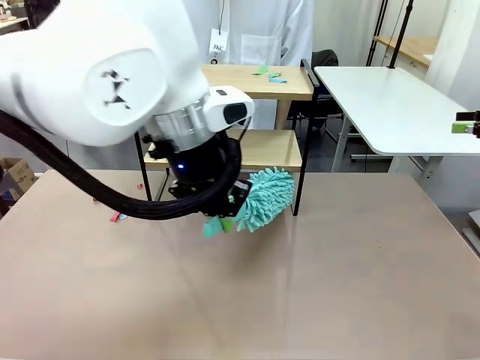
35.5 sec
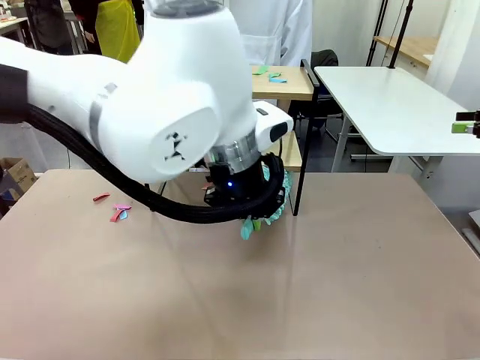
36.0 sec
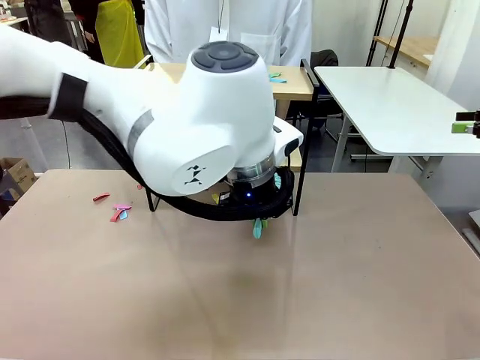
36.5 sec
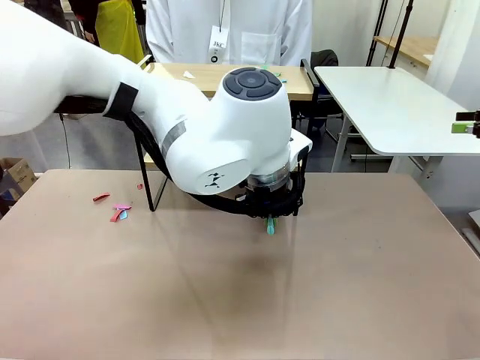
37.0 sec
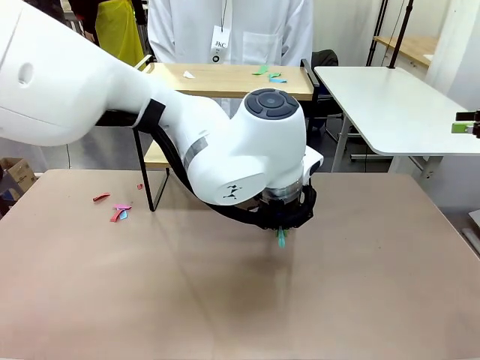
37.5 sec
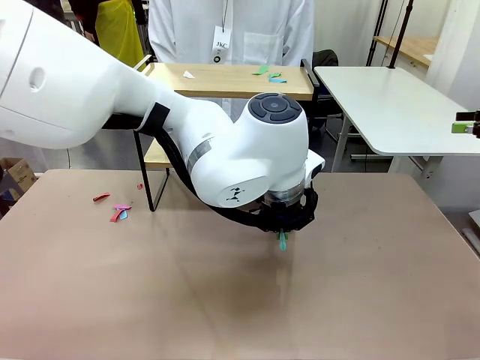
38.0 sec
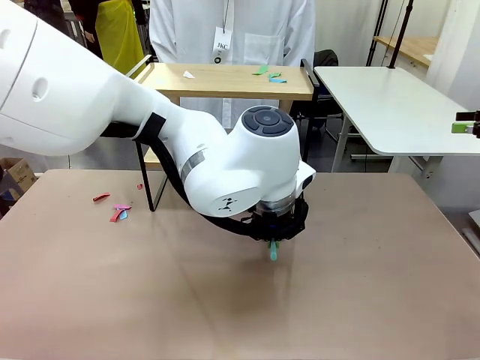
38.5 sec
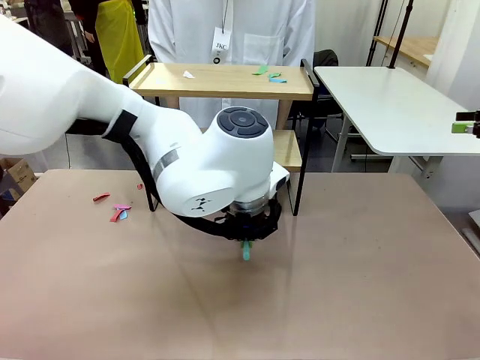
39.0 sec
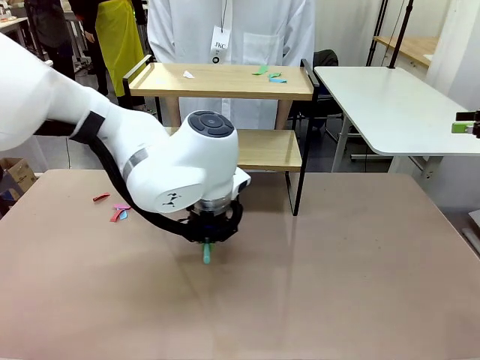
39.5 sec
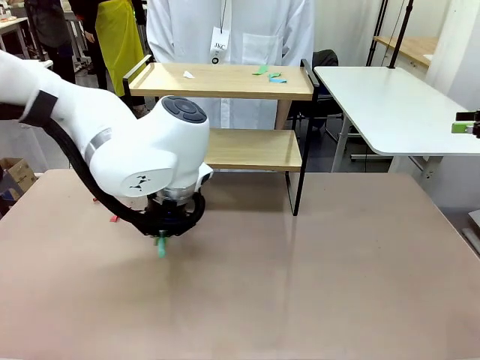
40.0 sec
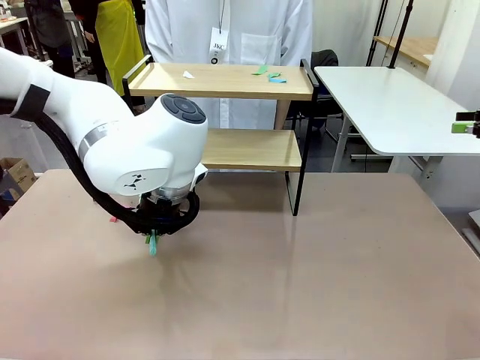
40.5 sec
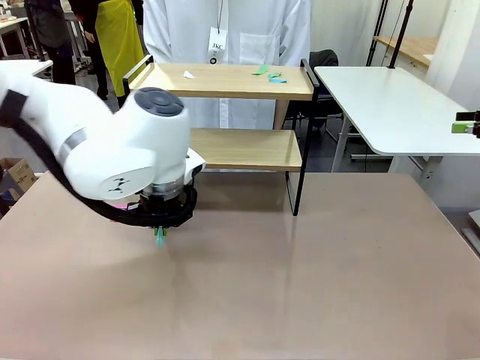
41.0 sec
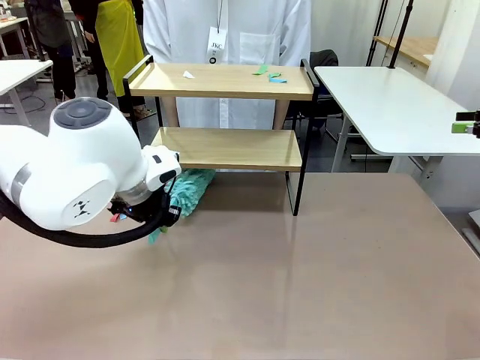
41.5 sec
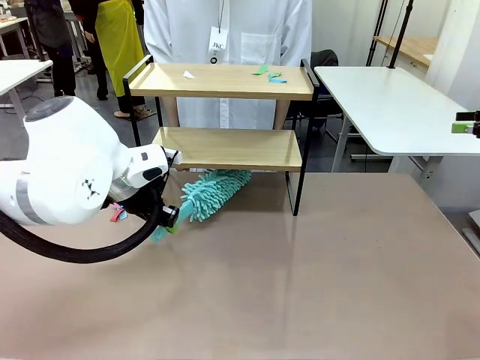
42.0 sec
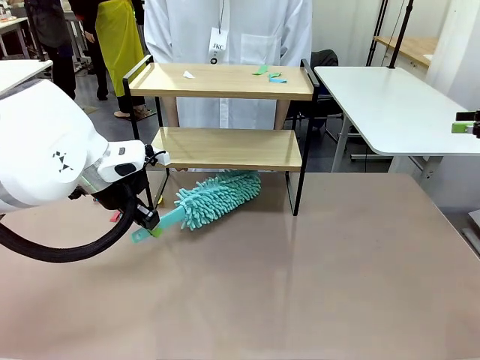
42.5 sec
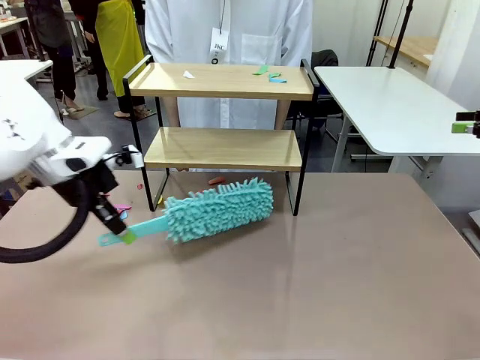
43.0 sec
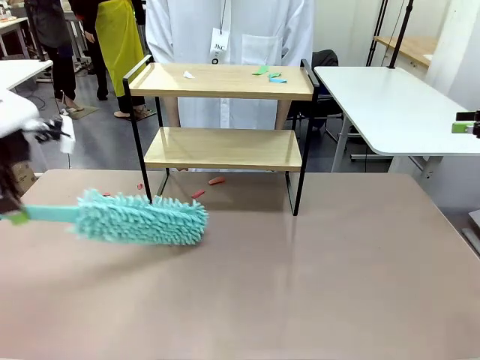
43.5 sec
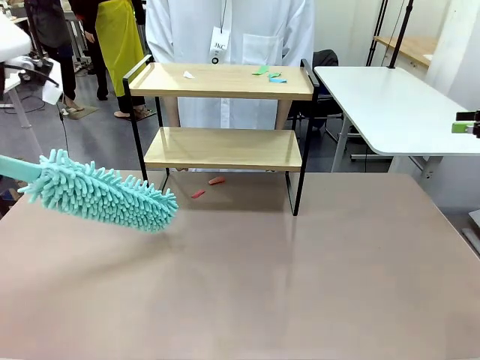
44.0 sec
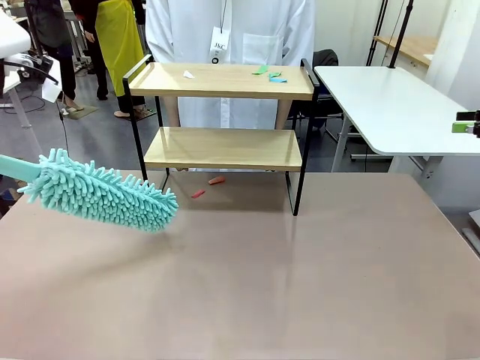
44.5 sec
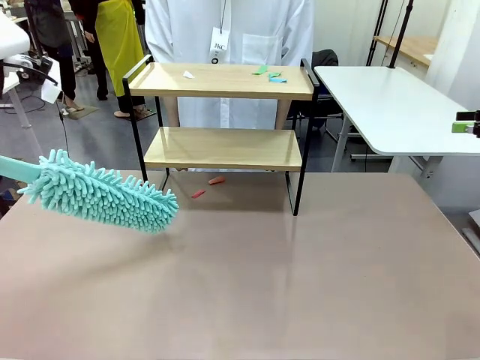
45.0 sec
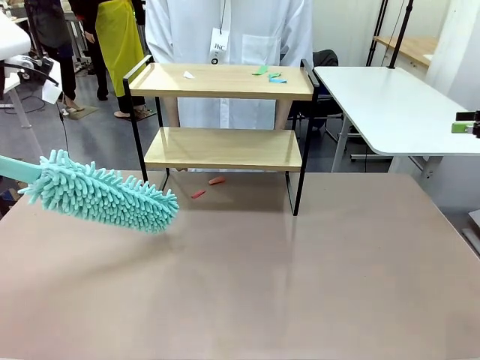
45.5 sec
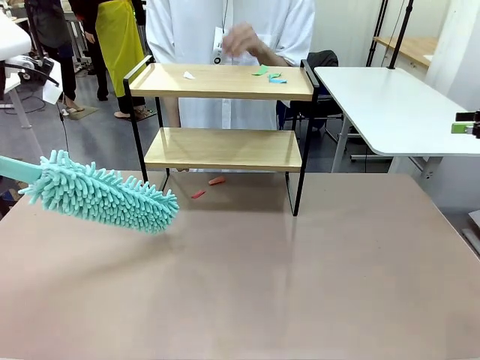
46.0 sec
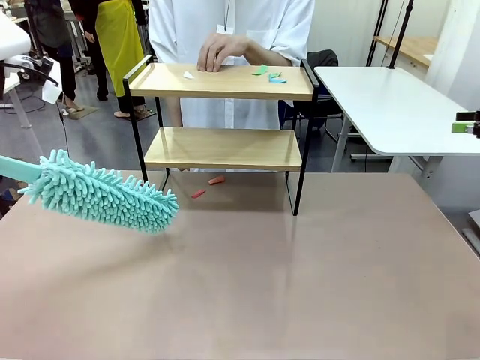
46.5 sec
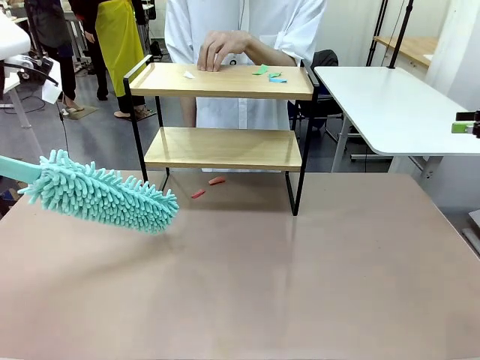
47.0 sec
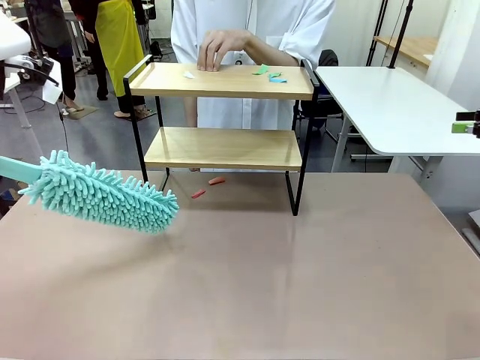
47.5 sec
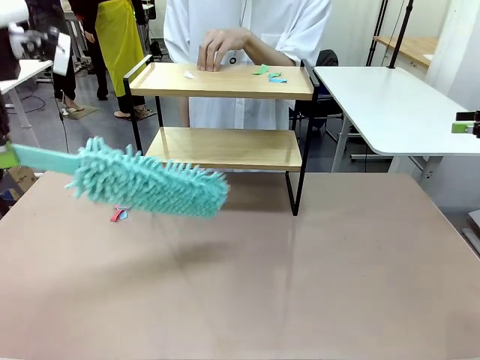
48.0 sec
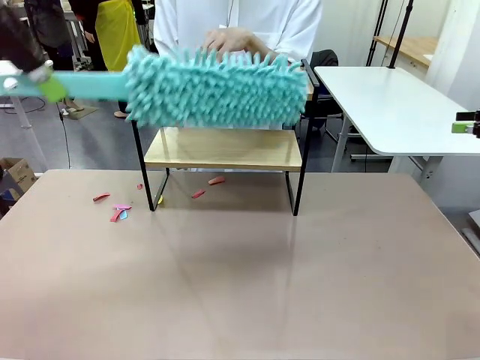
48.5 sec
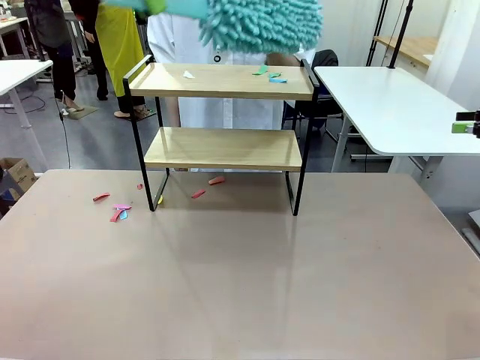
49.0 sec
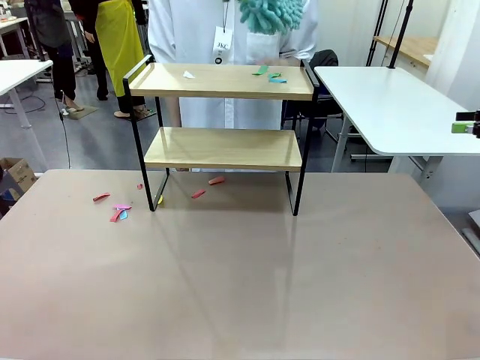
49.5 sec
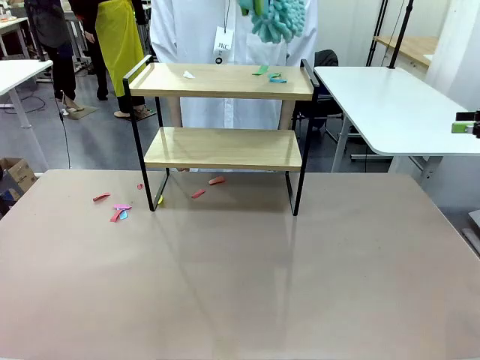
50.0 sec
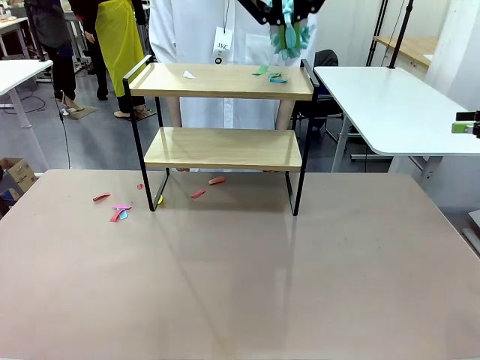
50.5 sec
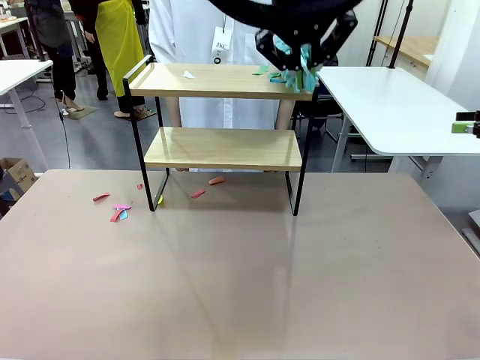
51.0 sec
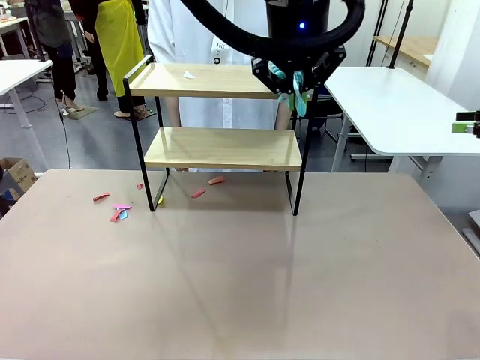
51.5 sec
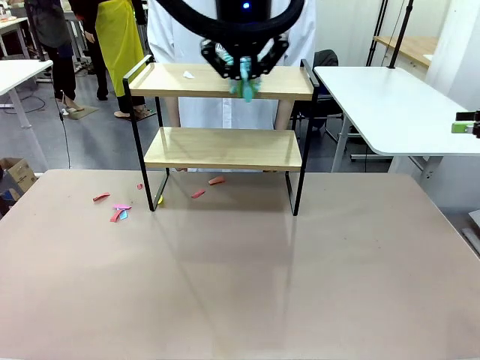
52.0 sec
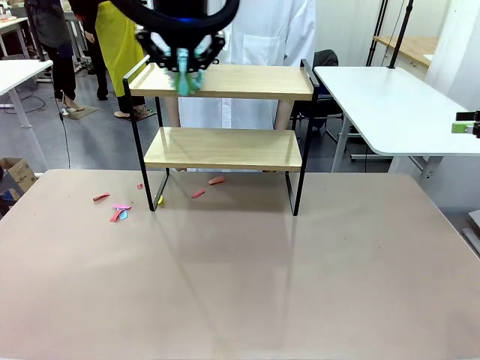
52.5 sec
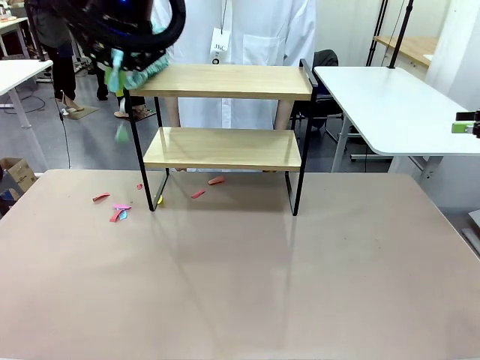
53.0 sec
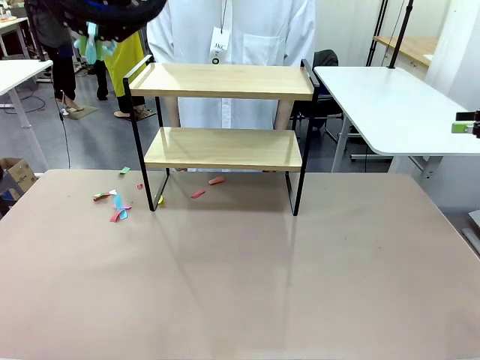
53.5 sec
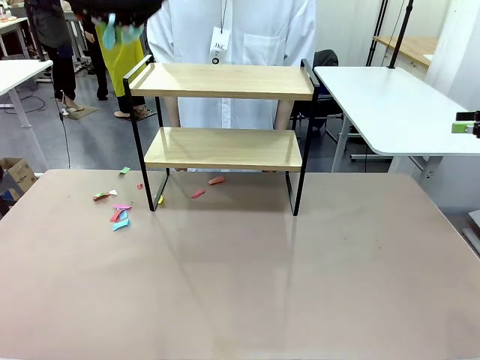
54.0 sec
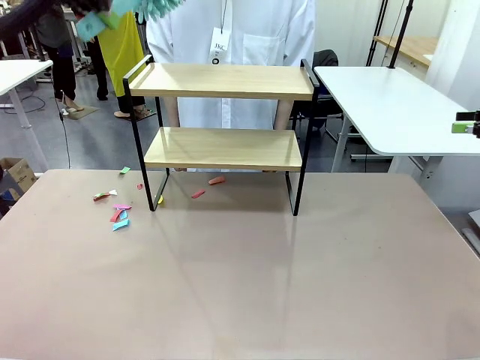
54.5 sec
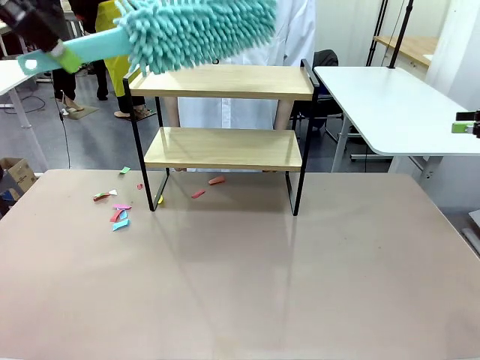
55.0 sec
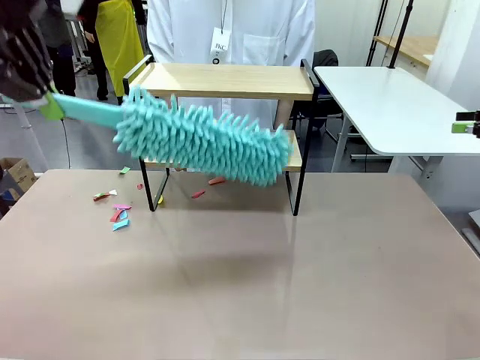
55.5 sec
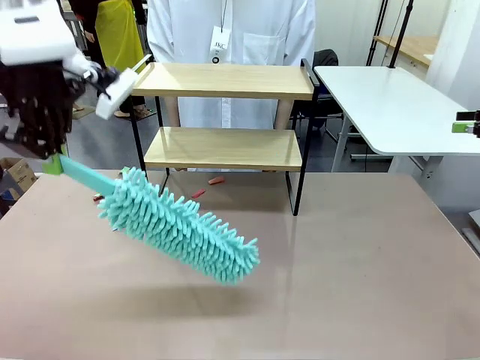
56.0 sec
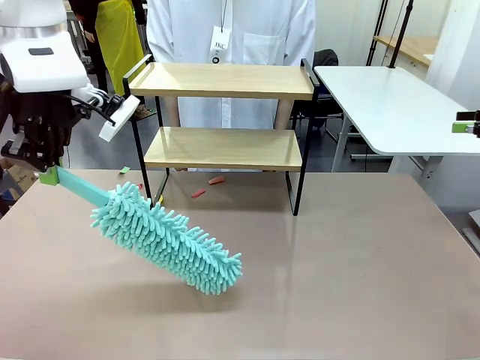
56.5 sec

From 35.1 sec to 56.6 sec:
Task: Clean the shelf.
Robot: Clean the specific section of the Shelf indicated by the human with the Duster.
Person: Point a remaining section of the Shelf.

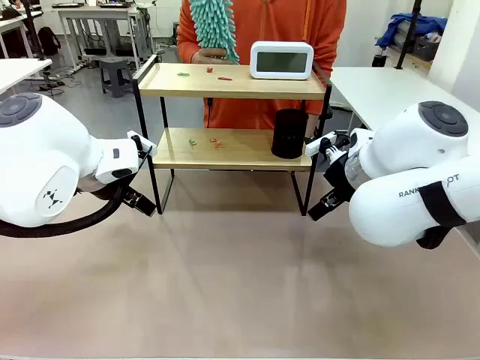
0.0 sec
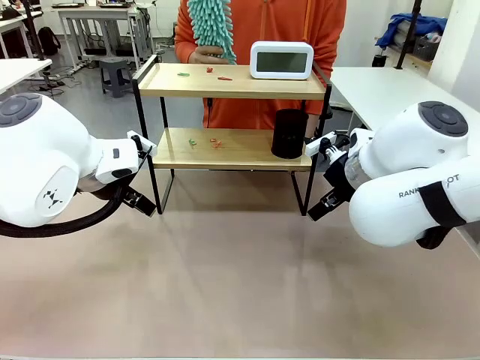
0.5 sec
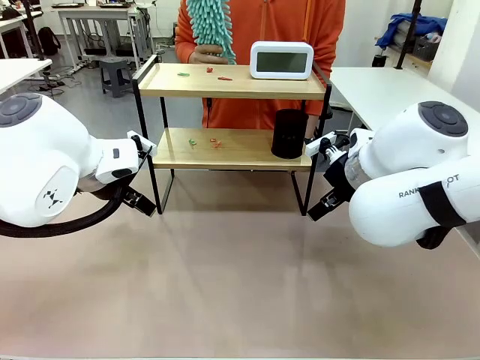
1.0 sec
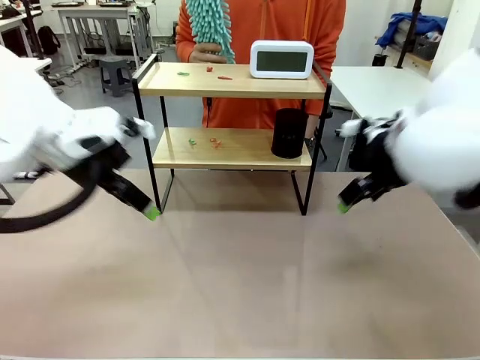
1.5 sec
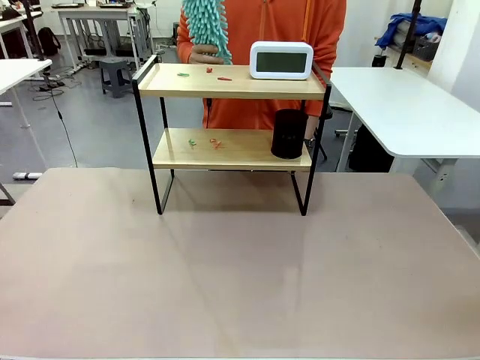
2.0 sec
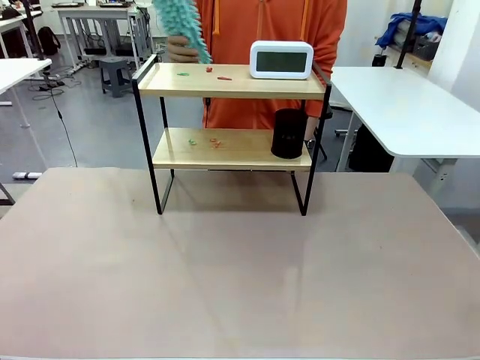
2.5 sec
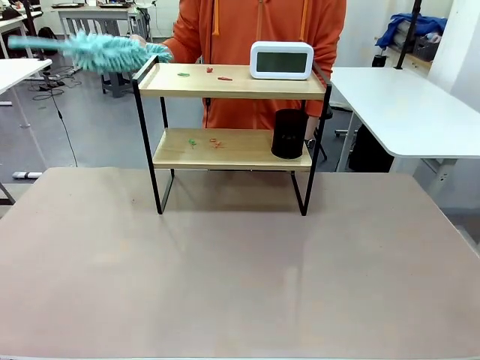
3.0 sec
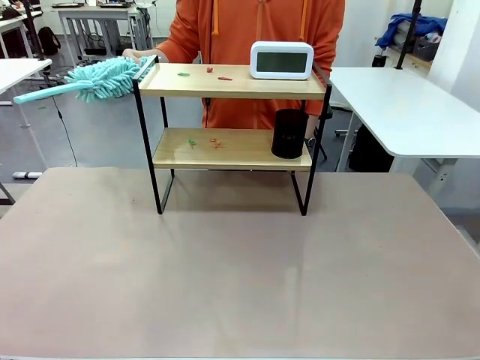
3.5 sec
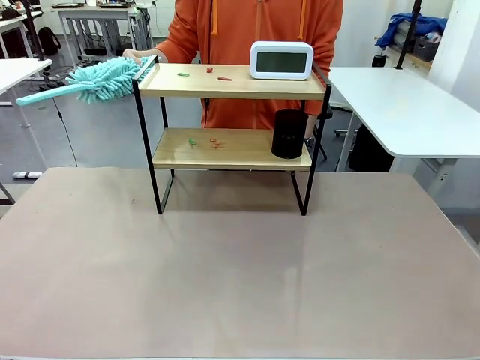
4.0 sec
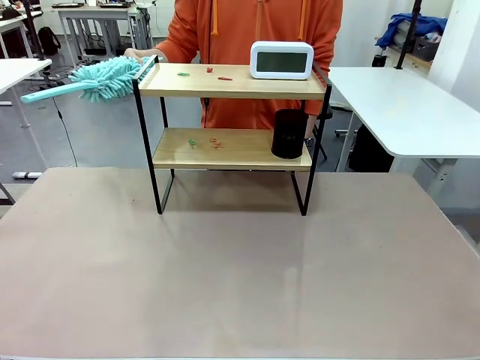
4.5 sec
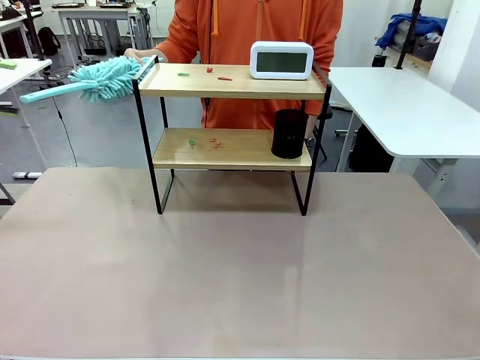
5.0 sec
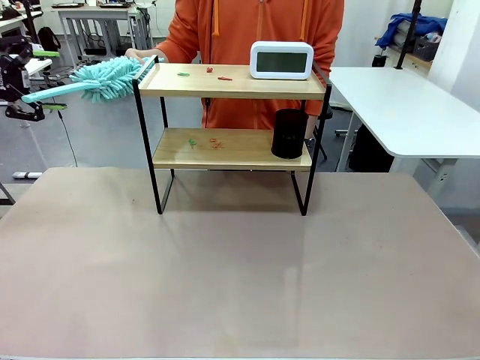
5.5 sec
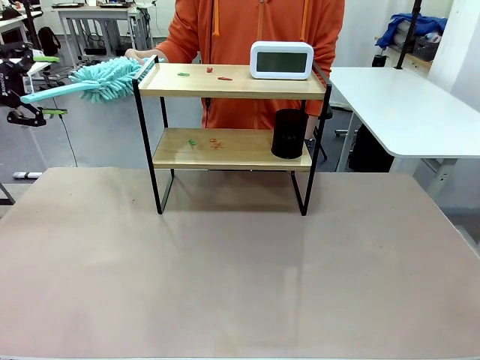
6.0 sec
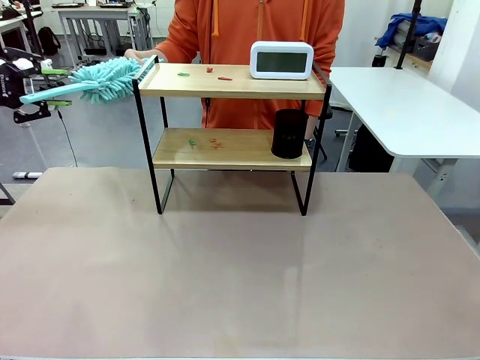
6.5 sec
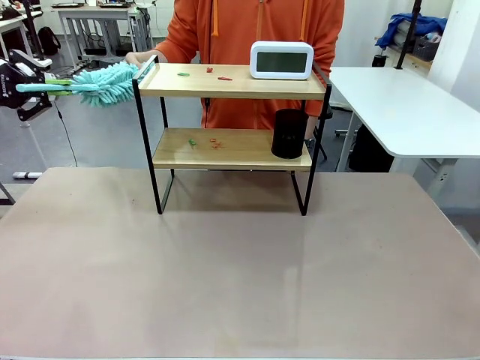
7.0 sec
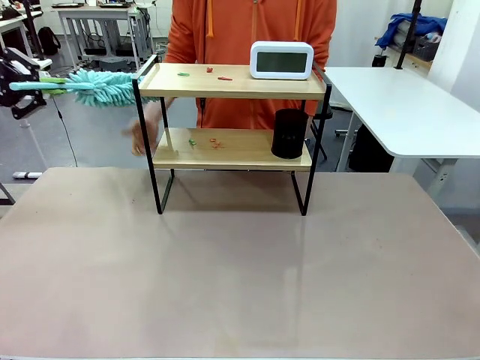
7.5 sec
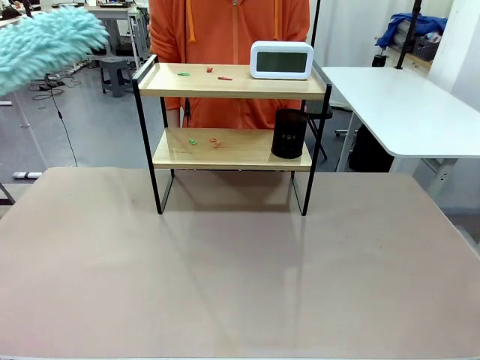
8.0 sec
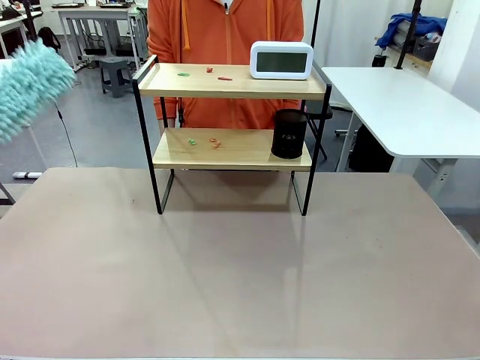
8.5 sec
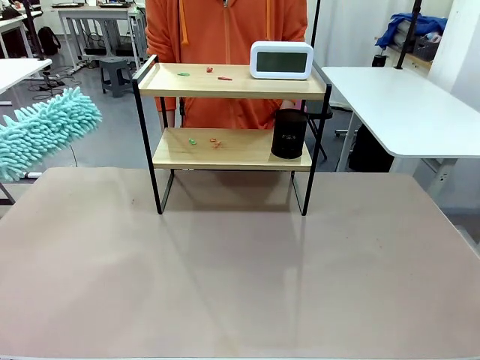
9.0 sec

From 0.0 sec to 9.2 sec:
Task: Clean the shelf.
Robot: Pick up the Duster from the human.
Person: Hand the Duster to the robot.
